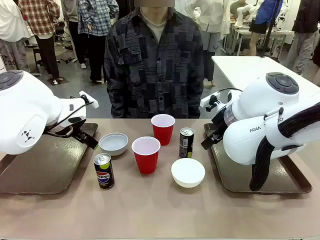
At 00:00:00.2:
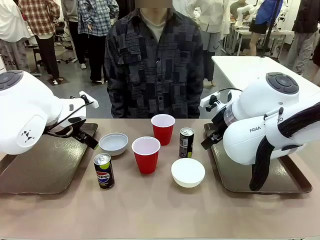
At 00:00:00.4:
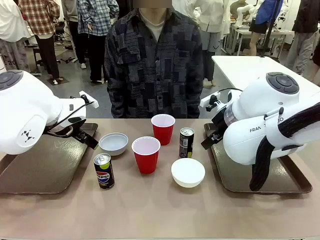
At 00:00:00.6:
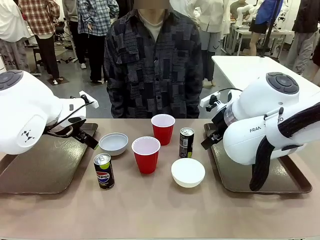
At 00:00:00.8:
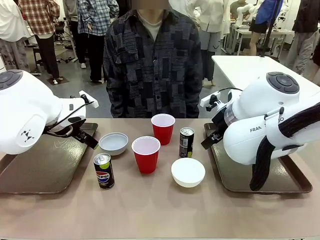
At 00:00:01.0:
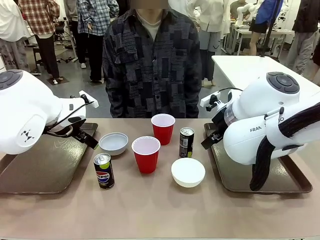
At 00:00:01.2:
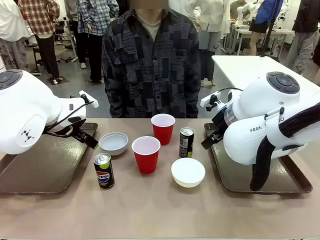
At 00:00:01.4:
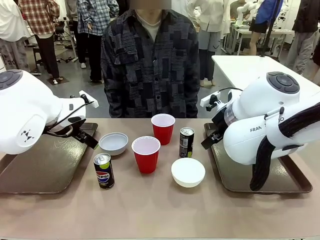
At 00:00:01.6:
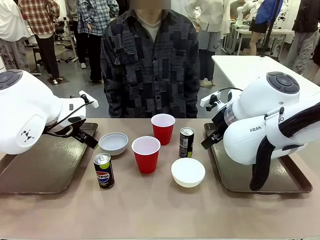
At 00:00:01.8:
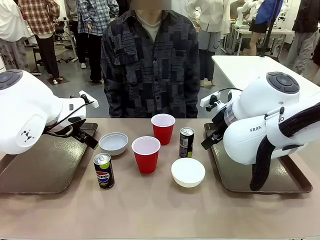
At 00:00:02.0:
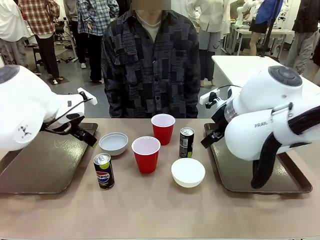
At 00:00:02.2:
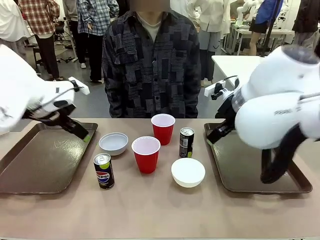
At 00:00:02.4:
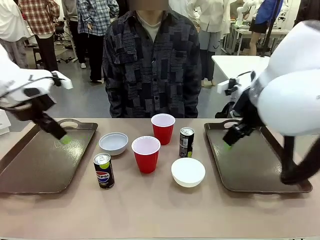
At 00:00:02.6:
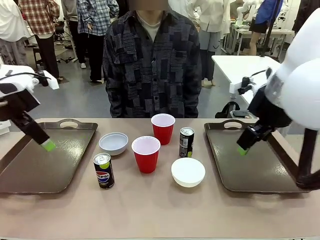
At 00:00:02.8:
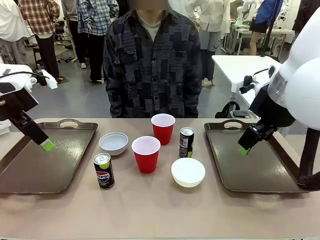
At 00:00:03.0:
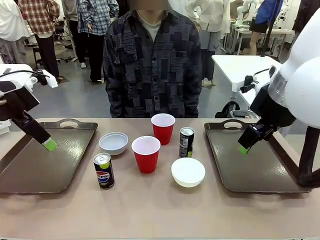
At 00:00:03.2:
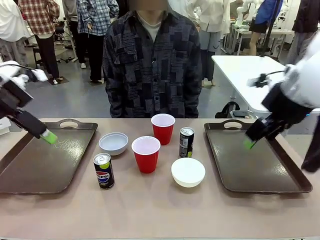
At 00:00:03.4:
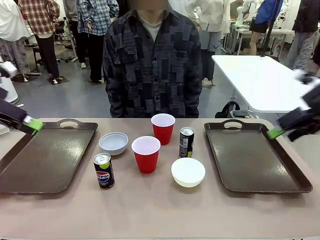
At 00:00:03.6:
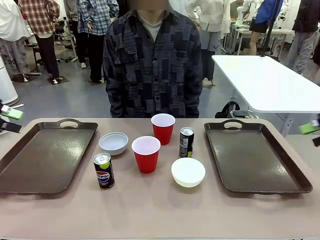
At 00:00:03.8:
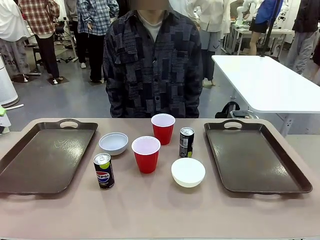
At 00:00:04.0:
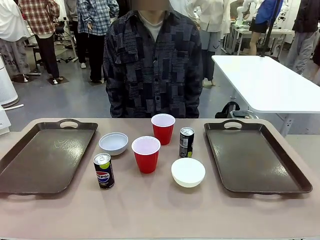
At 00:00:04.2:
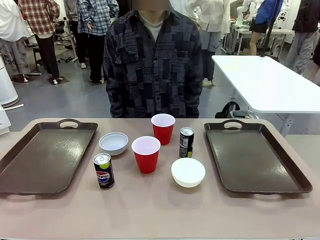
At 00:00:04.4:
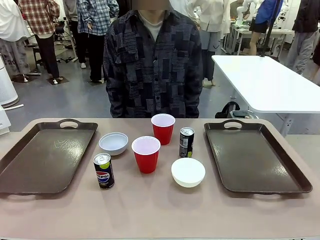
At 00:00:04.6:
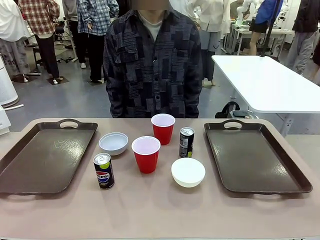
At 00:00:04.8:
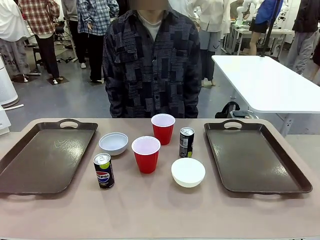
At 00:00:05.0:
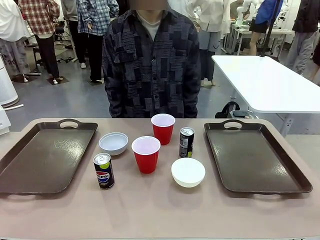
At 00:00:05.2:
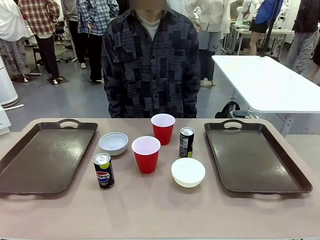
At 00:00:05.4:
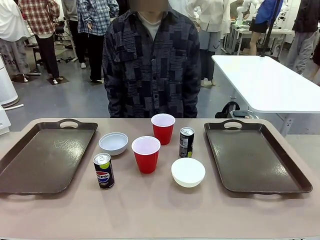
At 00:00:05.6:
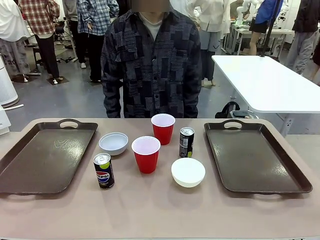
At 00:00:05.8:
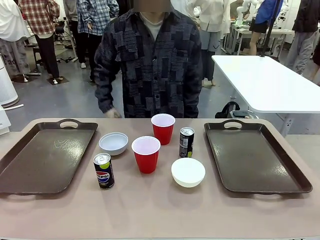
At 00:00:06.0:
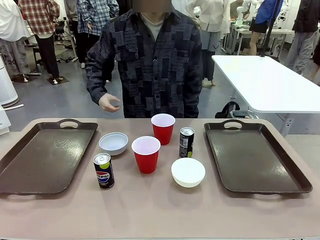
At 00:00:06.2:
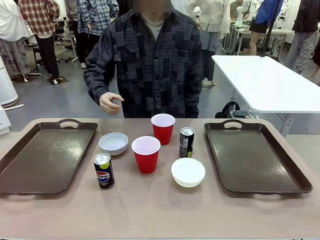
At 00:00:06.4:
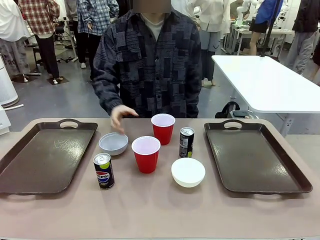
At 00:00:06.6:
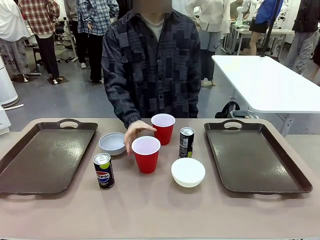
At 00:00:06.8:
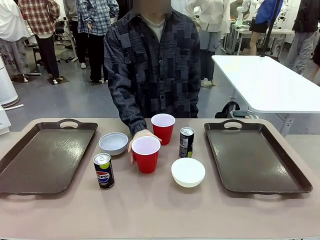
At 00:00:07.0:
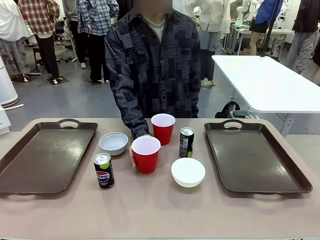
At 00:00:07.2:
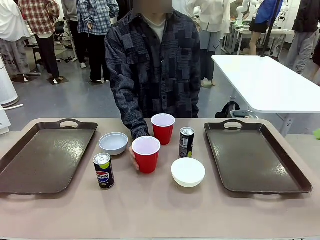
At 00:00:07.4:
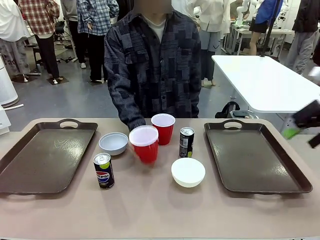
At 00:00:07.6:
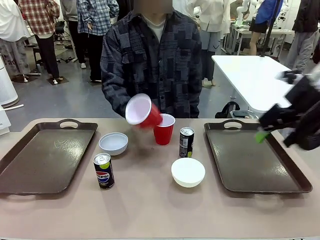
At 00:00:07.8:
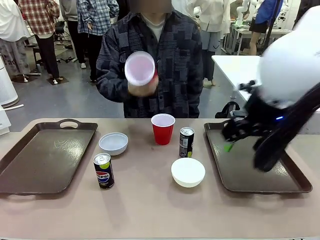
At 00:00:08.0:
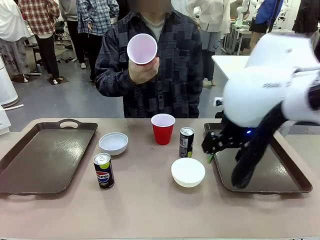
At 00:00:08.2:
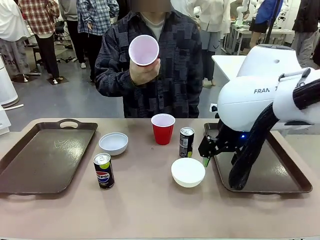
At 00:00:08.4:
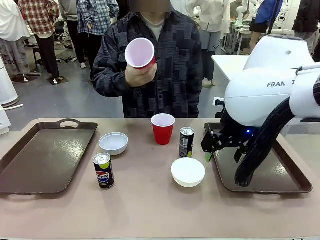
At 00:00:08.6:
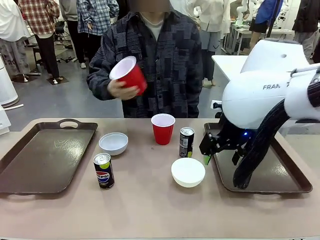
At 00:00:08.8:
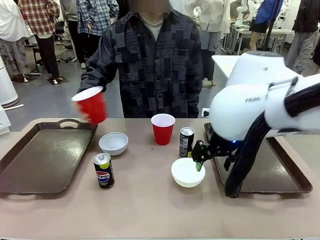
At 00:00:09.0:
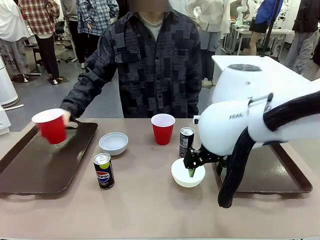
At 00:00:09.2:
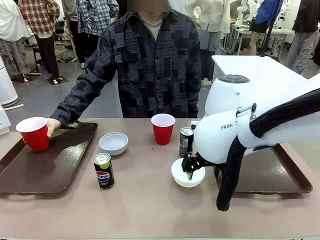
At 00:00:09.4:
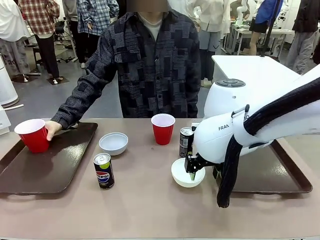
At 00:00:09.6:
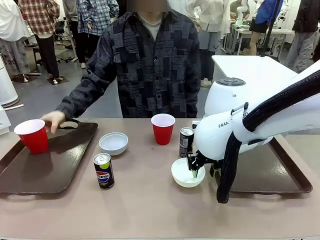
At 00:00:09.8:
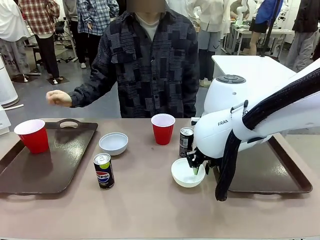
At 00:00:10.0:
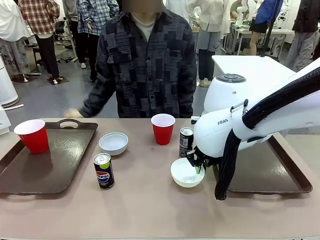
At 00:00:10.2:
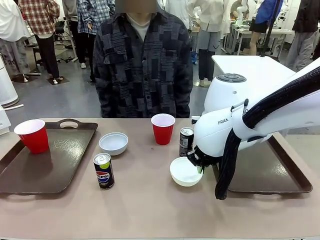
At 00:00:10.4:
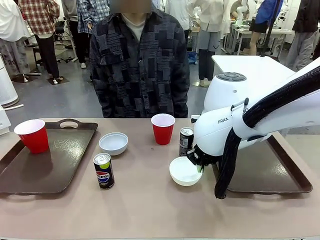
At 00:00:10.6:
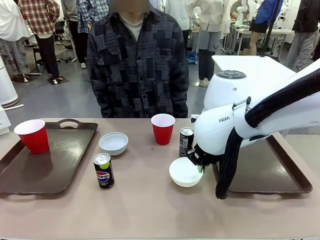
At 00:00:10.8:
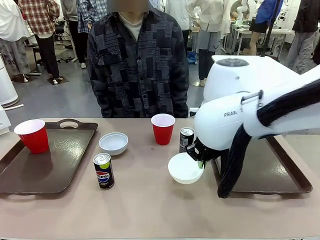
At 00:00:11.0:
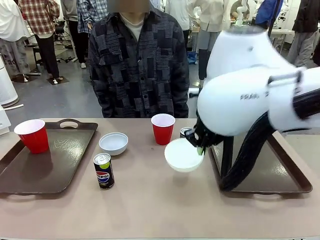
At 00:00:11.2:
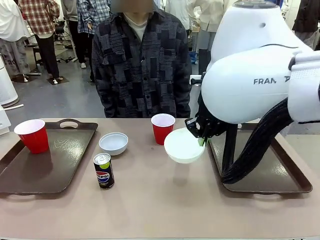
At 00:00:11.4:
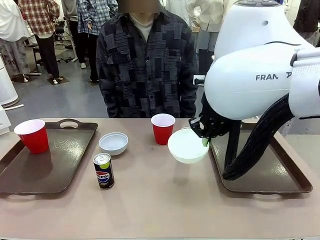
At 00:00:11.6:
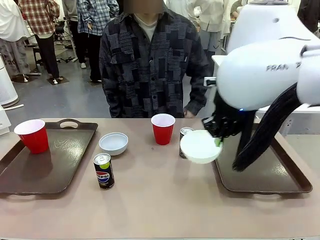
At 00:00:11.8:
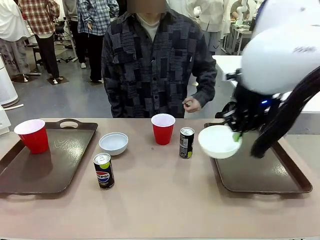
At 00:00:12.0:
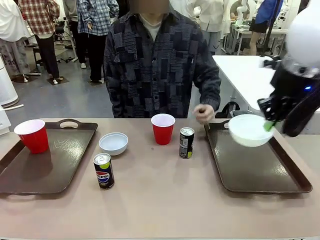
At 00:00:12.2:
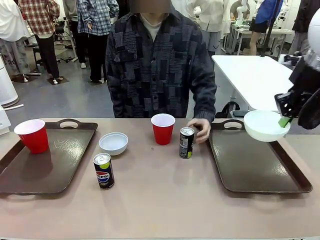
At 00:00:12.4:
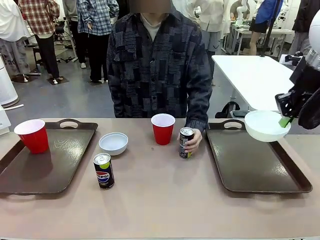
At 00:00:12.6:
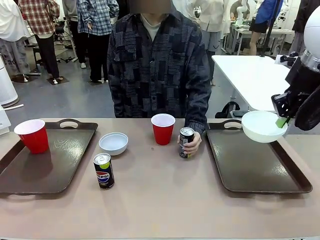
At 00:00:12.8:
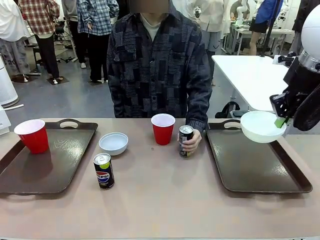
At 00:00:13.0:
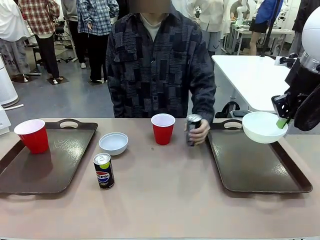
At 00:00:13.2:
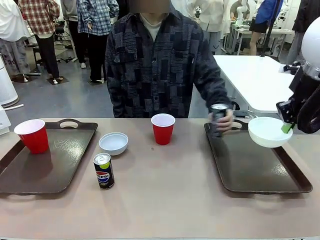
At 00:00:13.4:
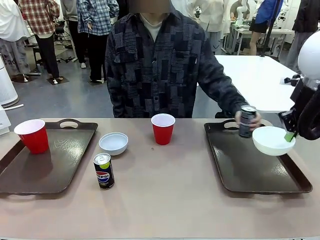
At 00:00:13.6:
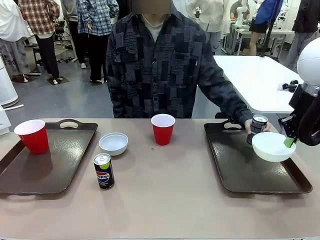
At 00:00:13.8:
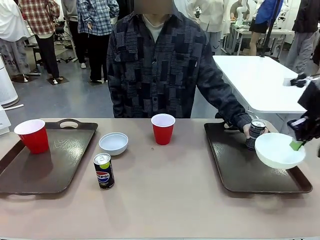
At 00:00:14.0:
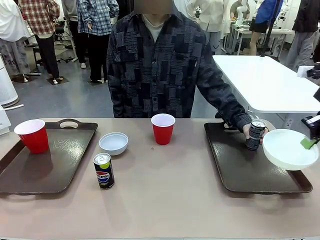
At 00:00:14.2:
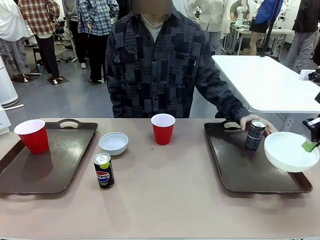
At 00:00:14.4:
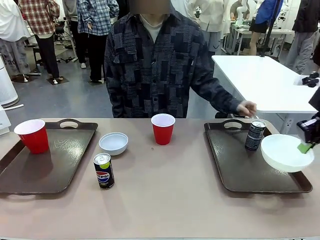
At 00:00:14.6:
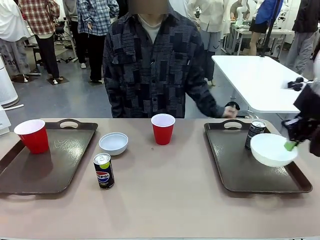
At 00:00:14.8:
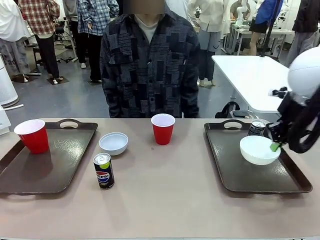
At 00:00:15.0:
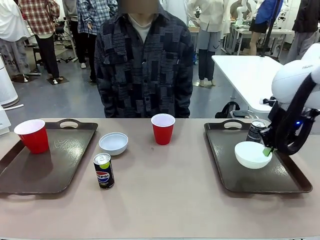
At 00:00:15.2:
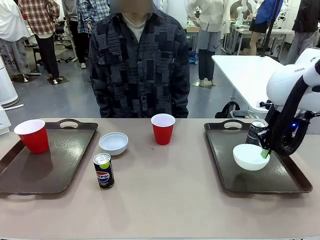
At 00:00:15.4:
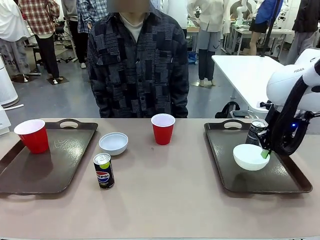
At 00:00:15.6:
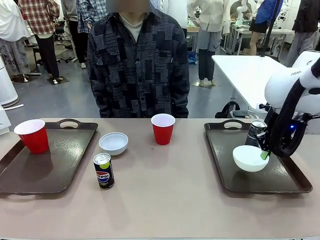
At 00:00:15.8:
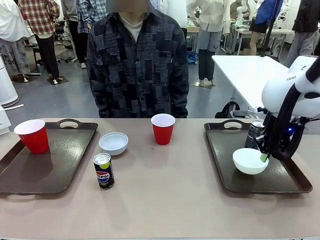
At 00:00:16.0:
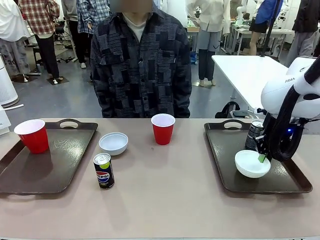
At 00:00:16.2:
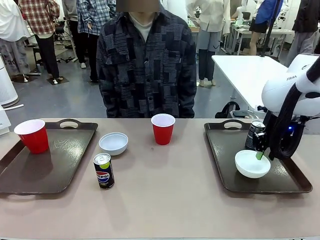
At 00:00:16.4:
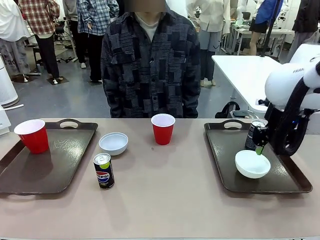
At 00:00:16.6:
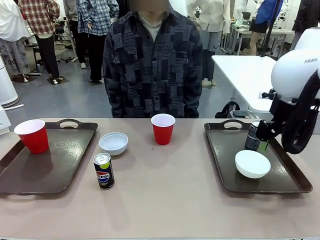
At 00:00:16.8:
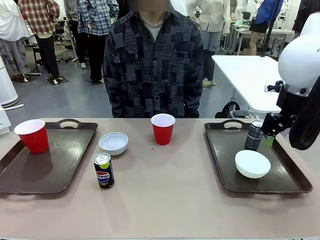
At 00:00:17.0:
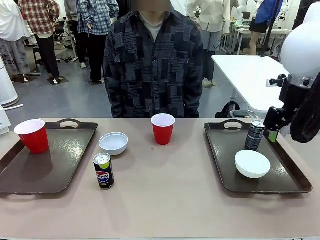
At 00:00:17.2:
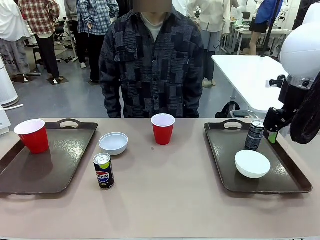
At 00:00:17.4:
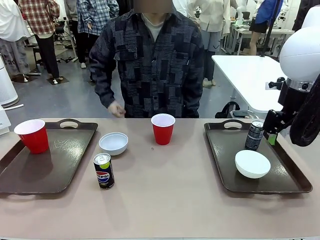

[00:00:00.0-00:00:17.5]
Task: Prepare tableware on both trays.
Robot: Pick up a Picnic Bowl from the table and place it on a Handle tray.
Person: Pick up a can or cup and place it on the tray.
